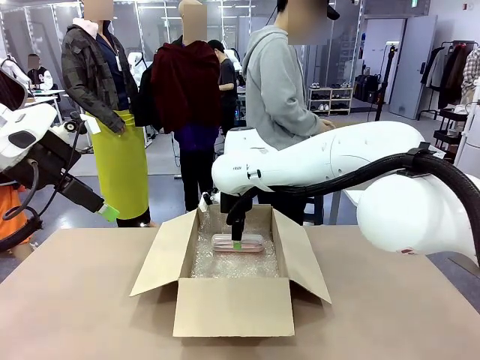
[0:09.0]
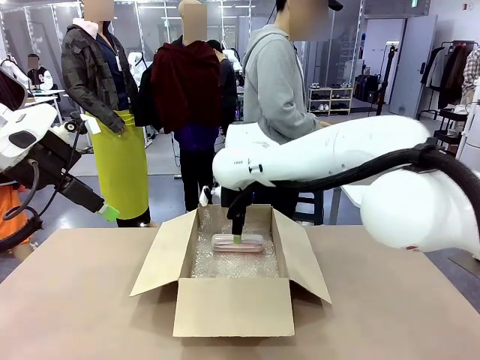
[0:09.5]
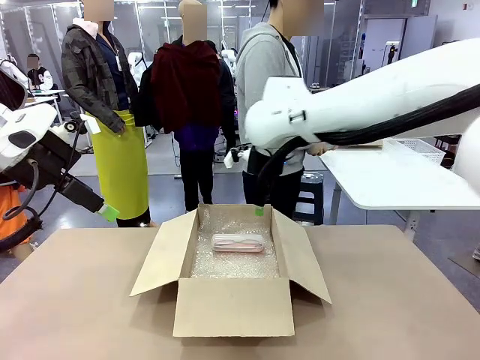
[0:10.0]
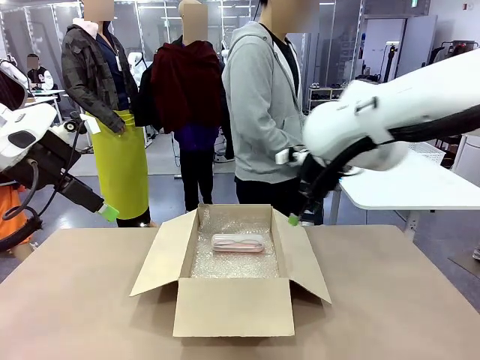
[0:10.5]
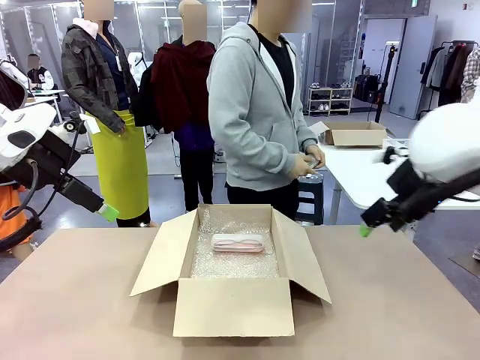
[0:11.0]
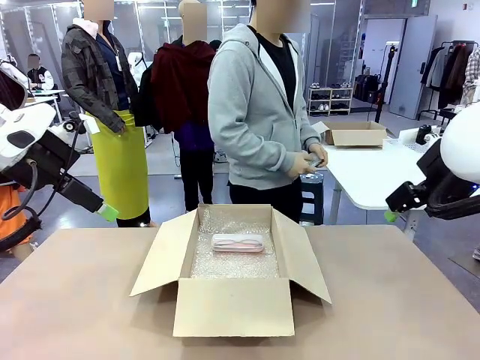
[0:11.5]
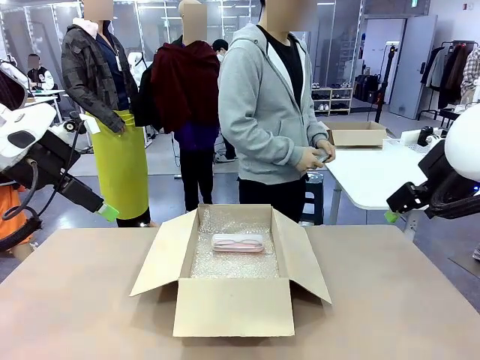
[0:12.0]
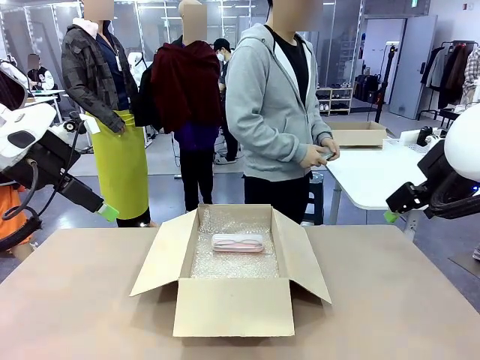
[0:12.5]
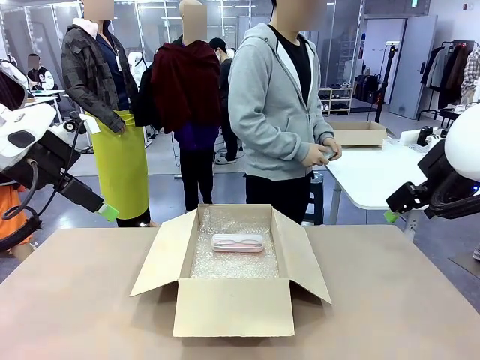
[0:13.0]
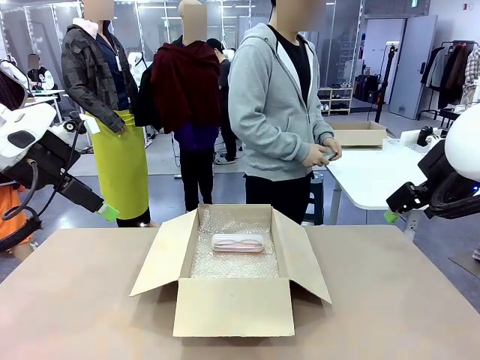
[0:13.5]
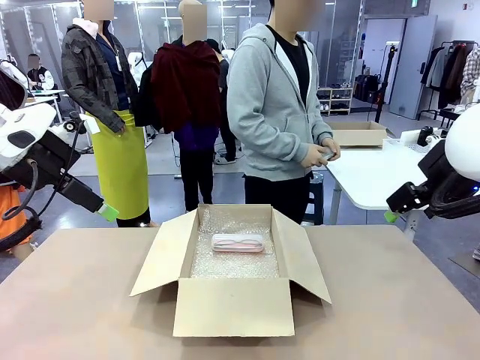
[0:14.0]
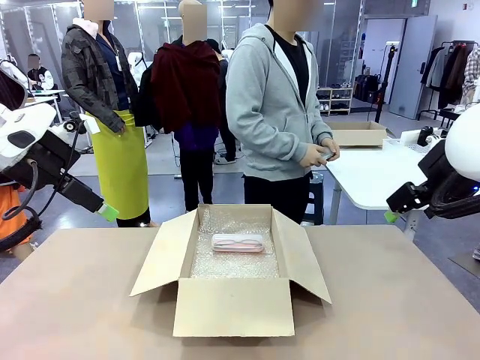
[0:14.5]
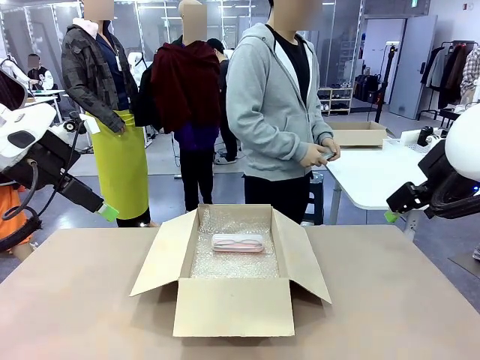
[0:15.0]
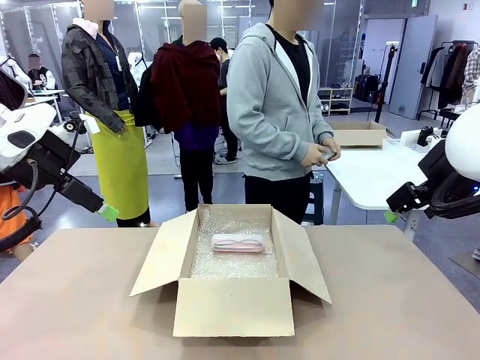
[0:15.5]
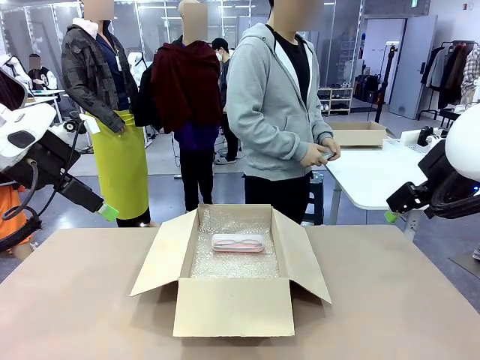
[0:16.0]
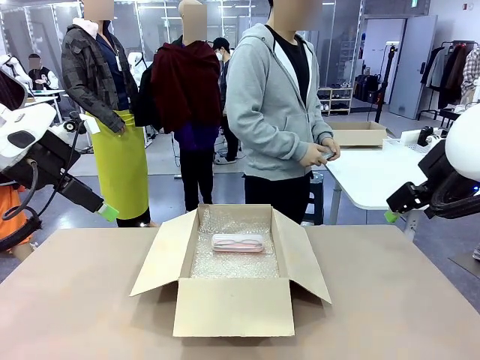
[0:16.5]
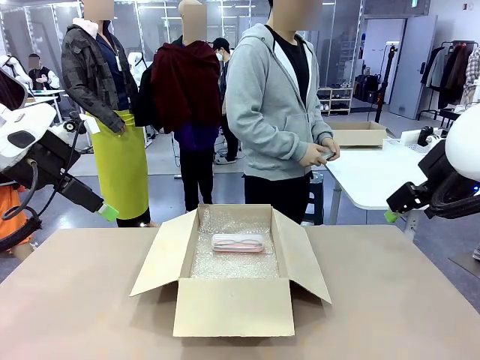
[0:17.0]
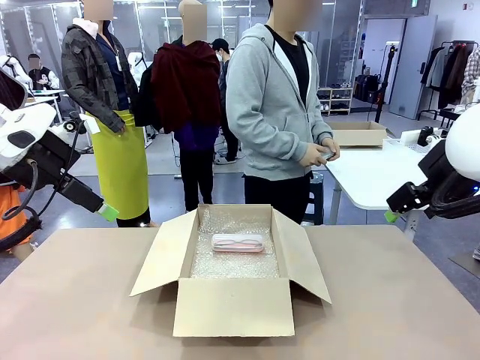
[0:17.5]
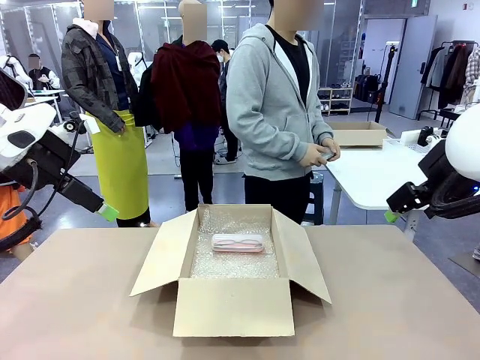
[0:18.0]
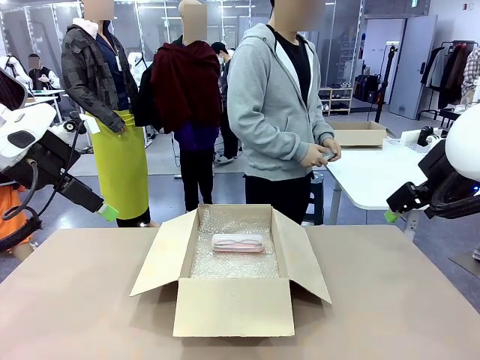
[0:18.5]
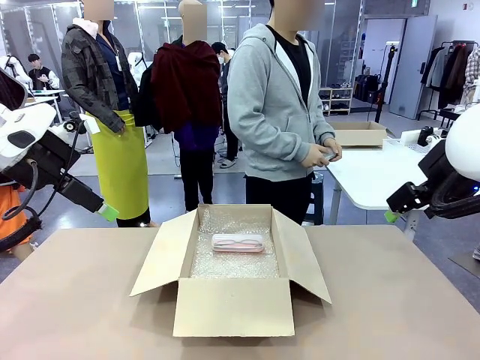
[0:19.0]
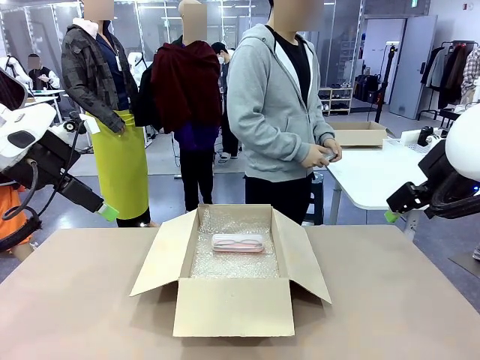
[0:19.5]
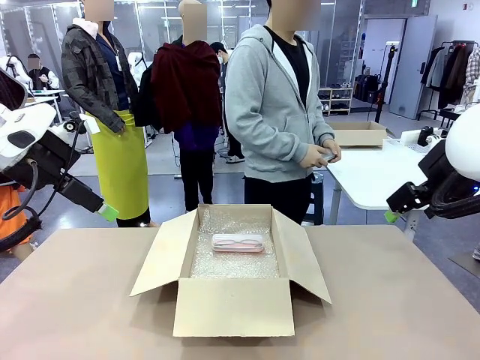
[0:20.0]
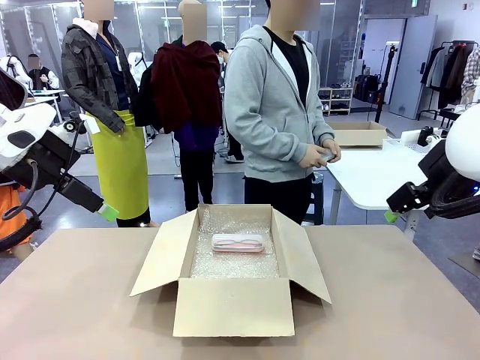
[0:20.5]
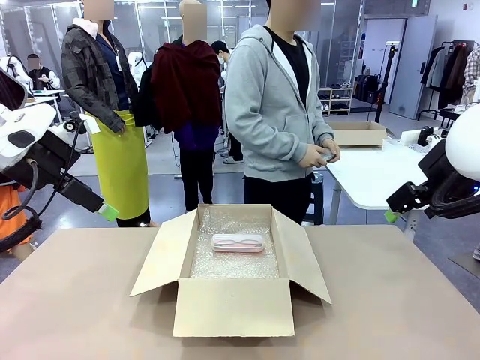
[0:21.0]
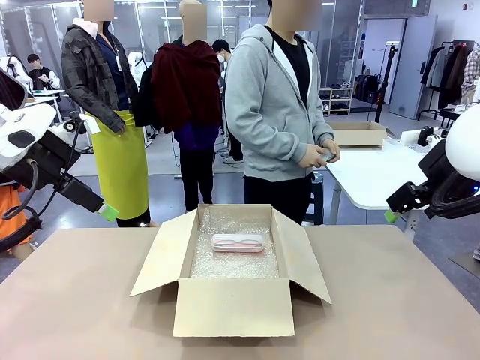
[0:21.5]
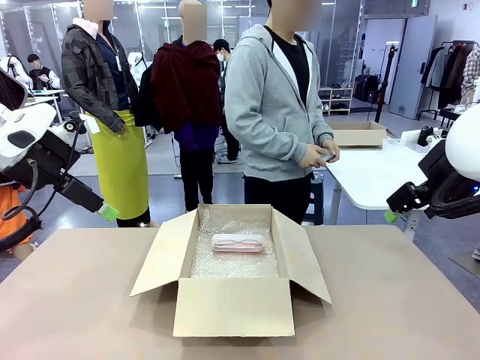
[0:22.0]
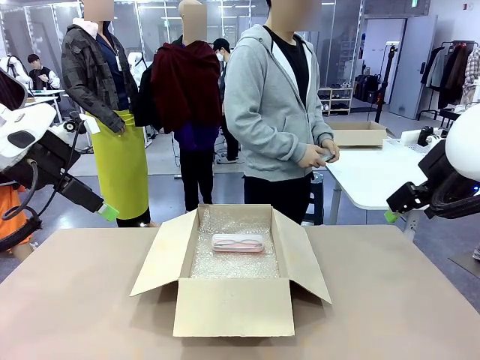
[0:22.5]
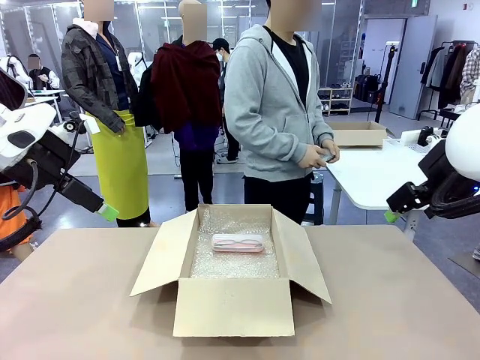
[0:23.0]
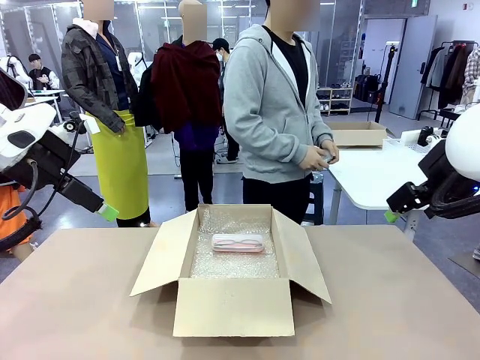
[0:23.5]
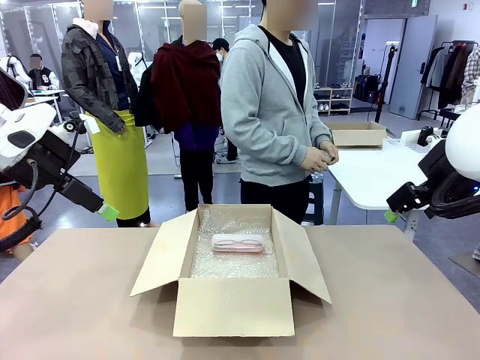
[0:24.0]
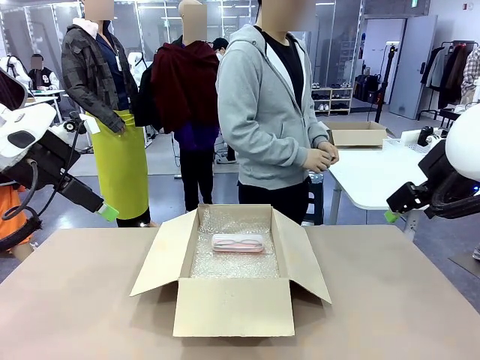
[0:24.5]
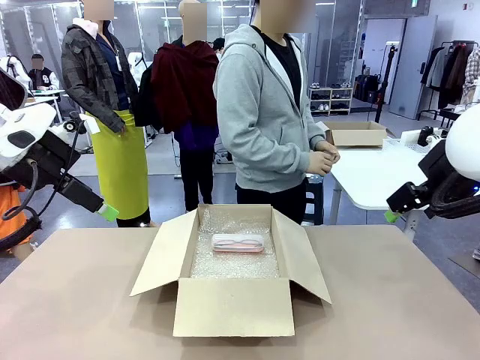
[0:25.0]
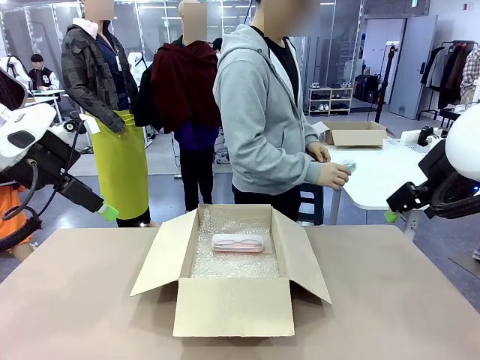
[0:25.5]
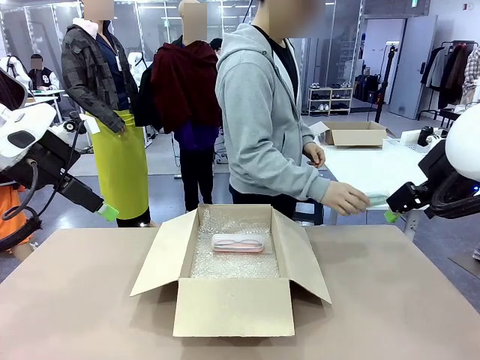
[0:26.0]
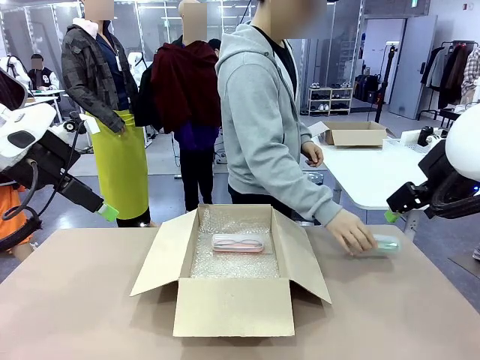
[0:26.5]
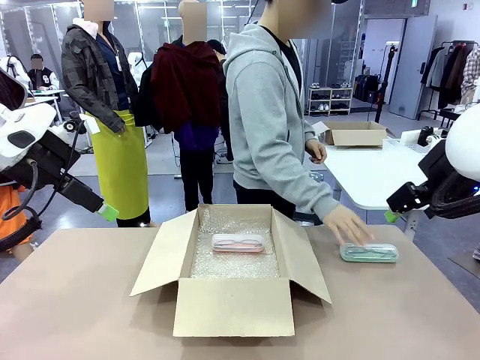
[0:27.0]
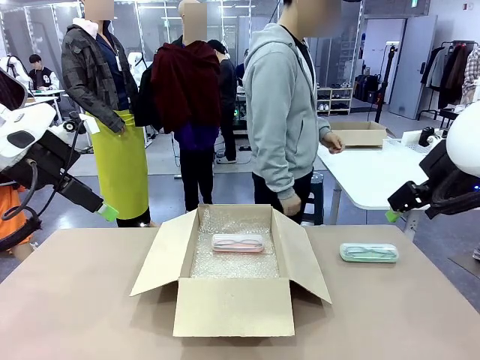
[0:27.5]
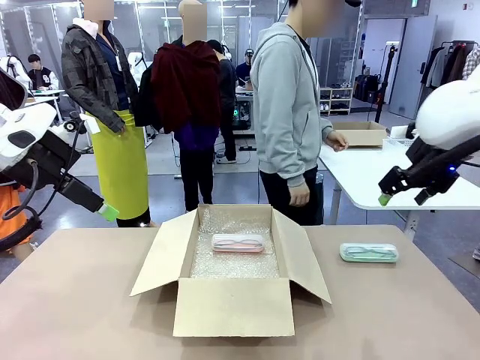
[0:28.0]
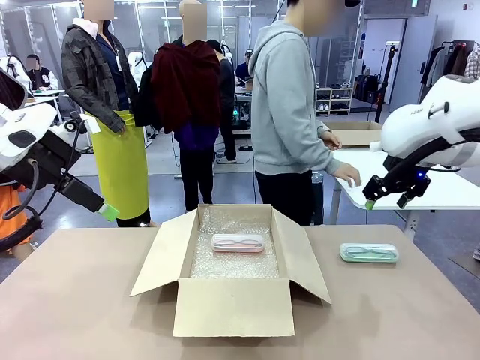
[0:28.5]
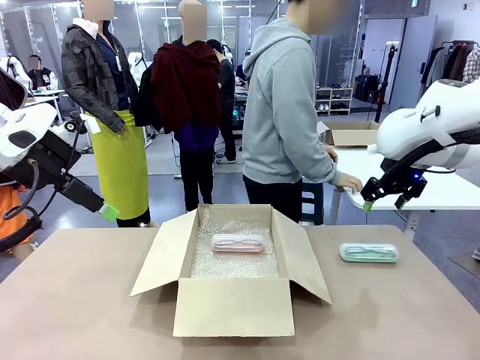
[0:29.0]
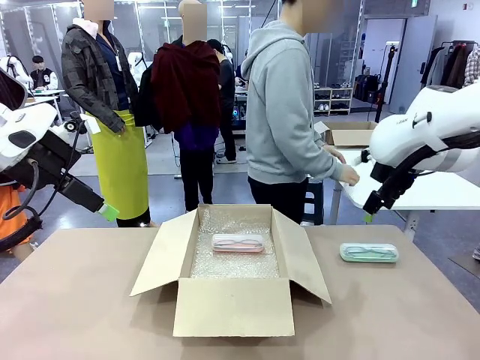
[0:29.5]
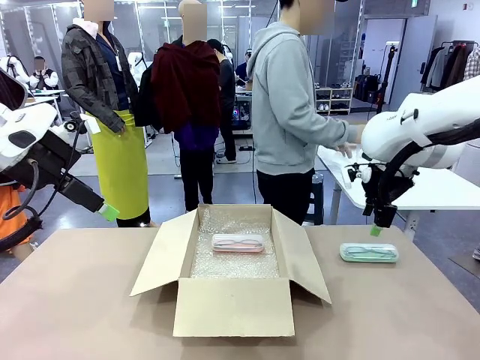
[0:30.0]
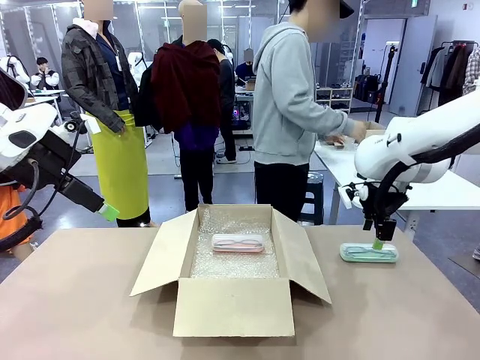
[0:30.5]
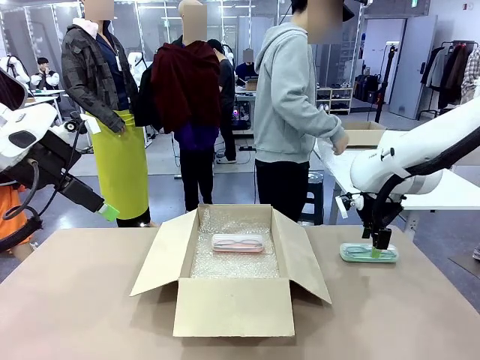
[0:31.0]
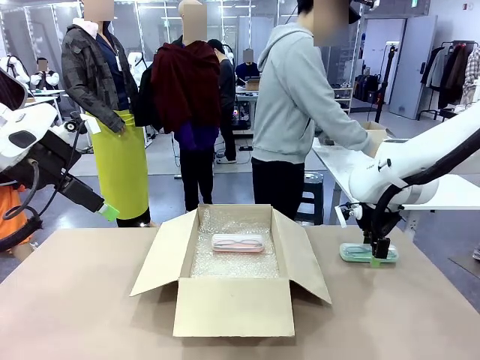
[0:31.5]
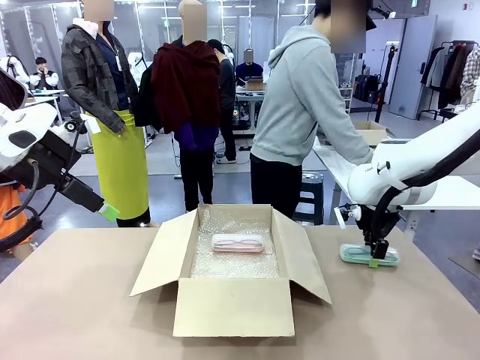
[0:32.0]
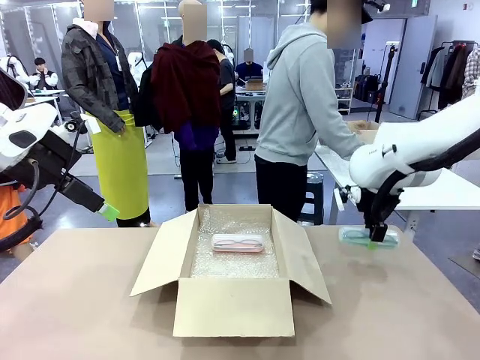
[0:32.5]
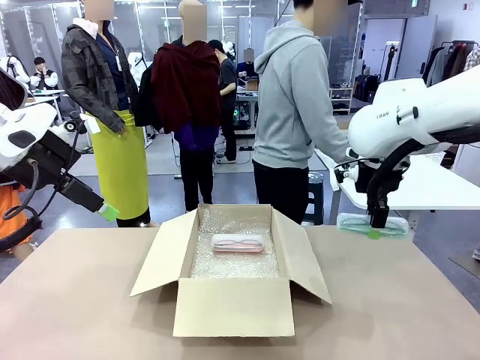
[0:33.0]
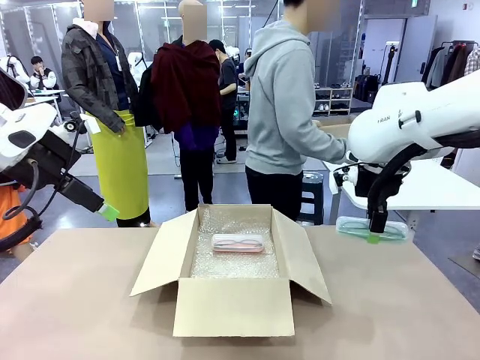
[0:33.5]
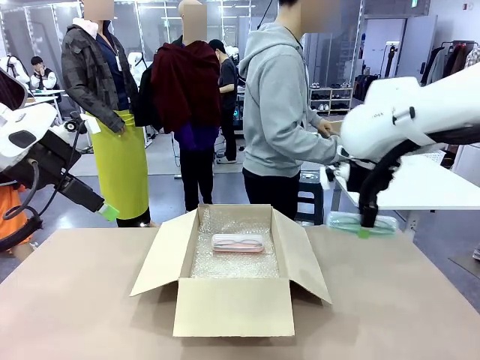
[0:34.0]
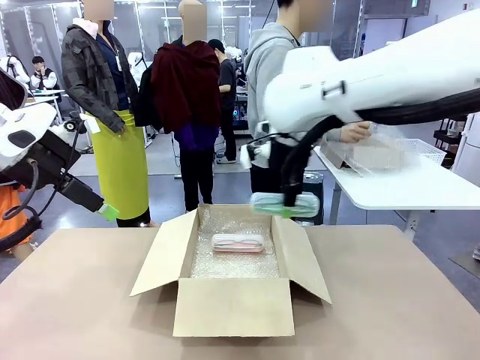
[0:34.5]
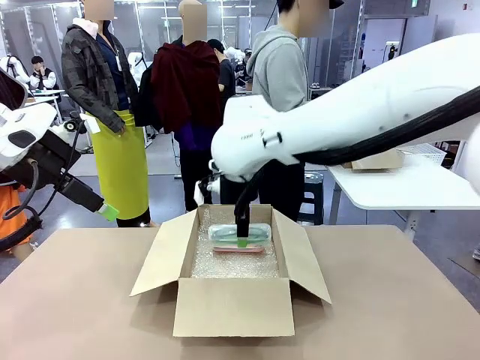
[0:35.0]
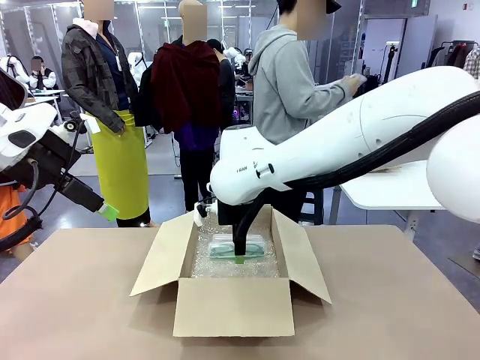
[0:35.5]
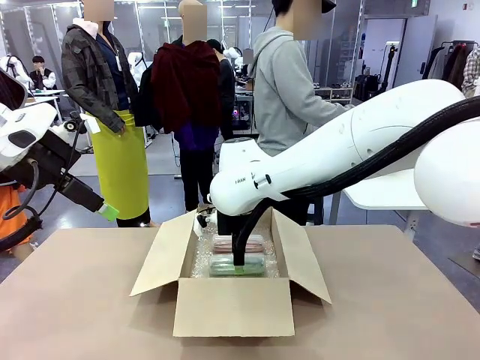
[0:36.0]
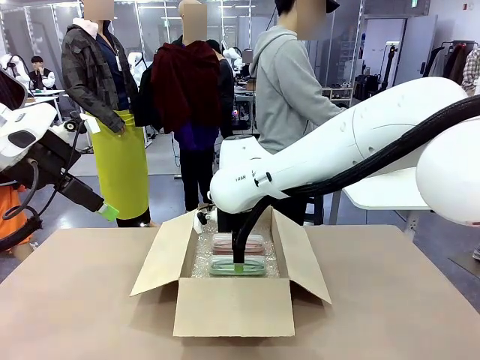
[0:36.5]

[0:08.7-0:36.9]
Task: Pack the glasses set securely to prepare it for shipping.
Robot: Put the Glasses case from the right side of the table into the Package Box.
Person: Position the Glasses case on the left side of the robot's table.
